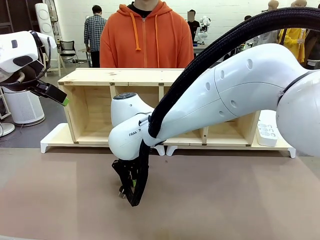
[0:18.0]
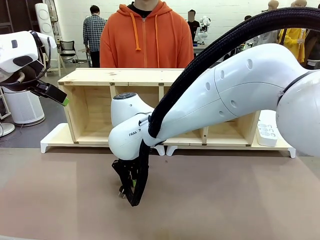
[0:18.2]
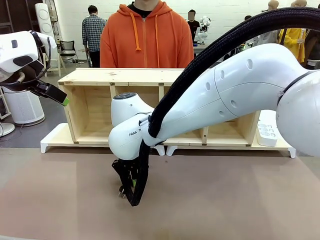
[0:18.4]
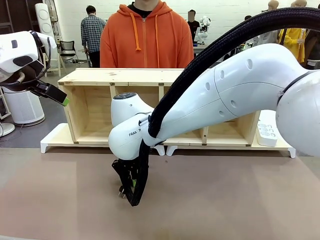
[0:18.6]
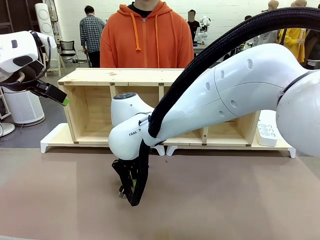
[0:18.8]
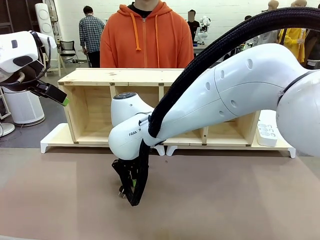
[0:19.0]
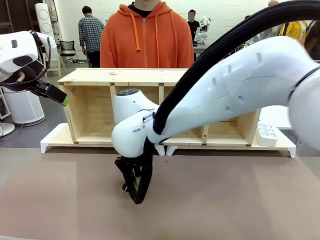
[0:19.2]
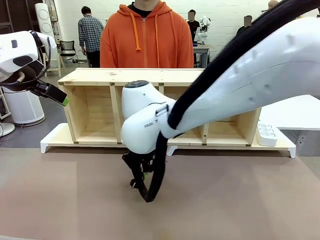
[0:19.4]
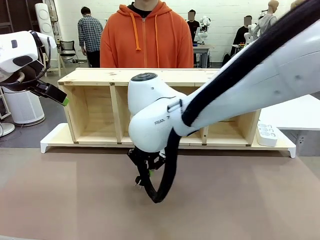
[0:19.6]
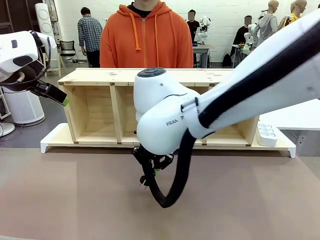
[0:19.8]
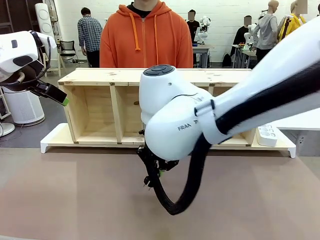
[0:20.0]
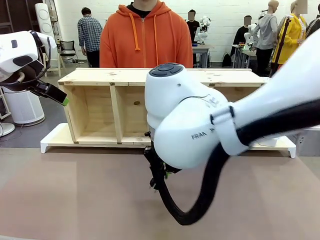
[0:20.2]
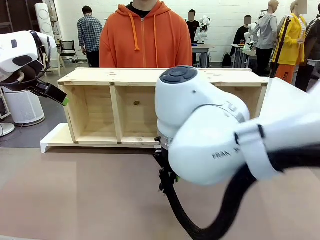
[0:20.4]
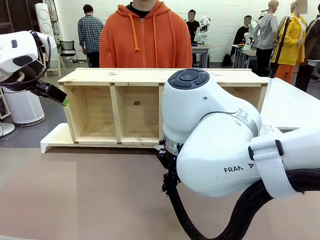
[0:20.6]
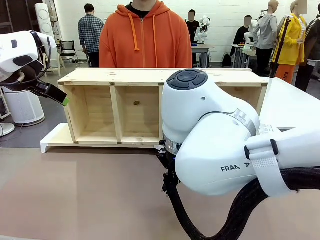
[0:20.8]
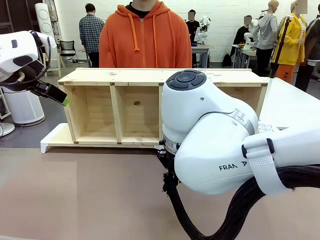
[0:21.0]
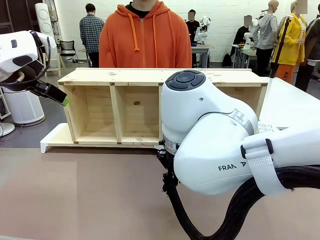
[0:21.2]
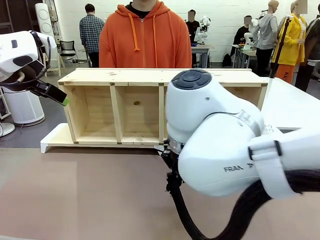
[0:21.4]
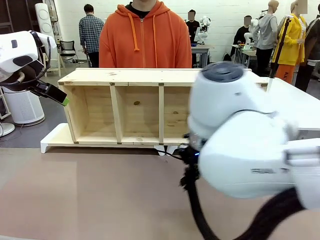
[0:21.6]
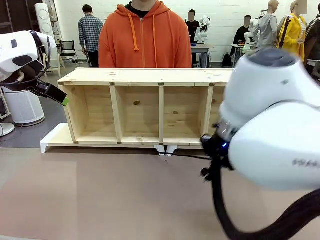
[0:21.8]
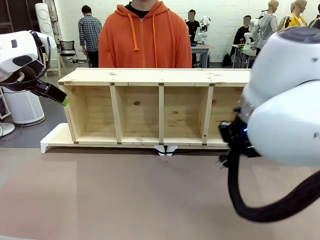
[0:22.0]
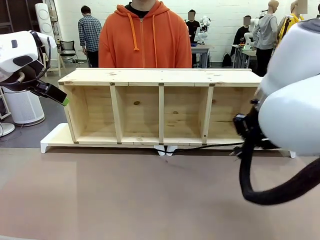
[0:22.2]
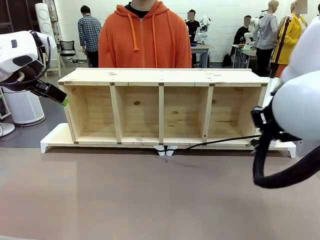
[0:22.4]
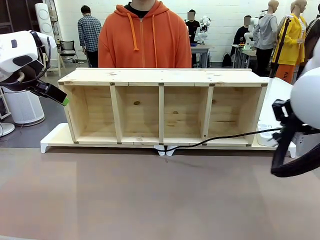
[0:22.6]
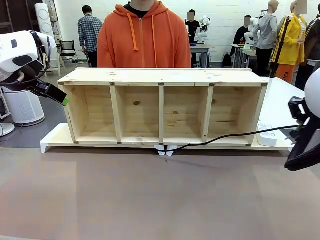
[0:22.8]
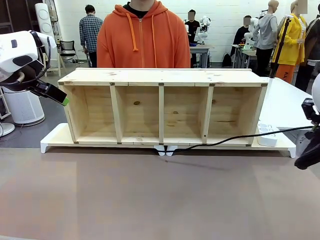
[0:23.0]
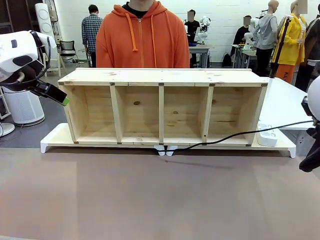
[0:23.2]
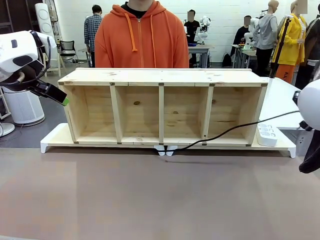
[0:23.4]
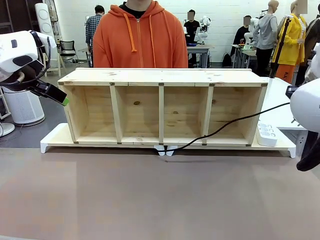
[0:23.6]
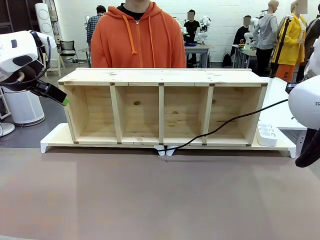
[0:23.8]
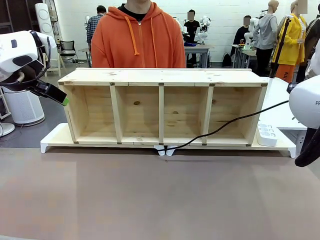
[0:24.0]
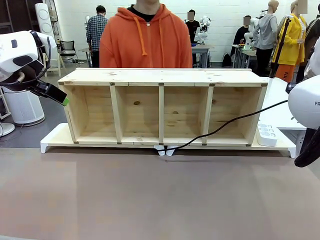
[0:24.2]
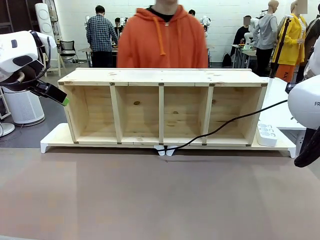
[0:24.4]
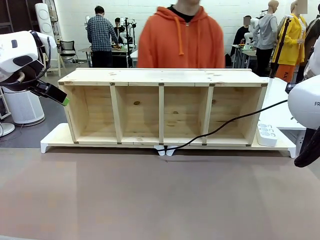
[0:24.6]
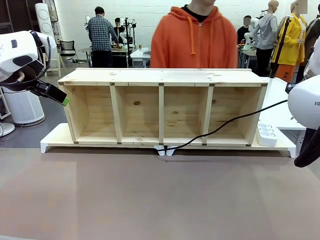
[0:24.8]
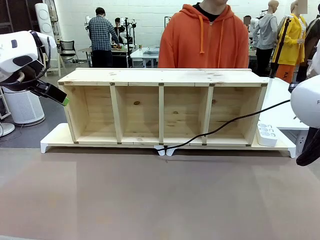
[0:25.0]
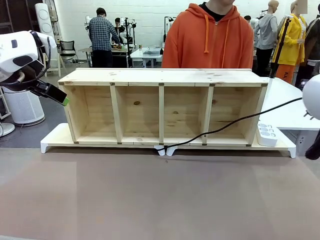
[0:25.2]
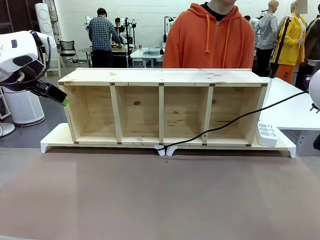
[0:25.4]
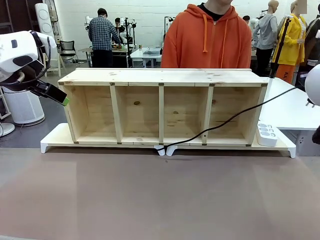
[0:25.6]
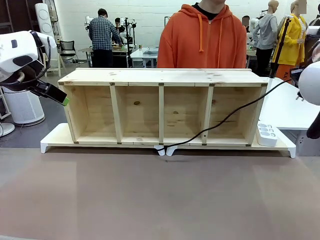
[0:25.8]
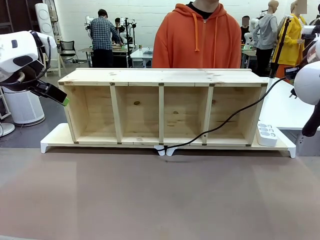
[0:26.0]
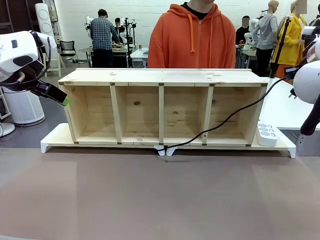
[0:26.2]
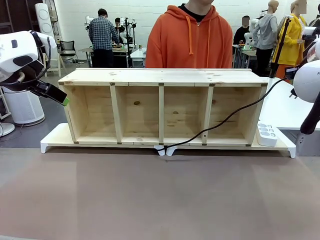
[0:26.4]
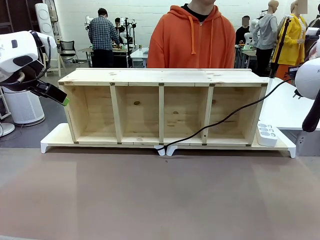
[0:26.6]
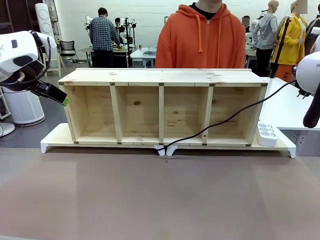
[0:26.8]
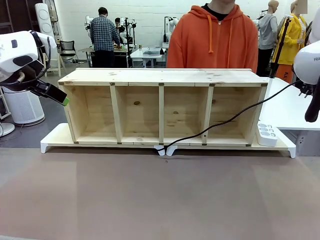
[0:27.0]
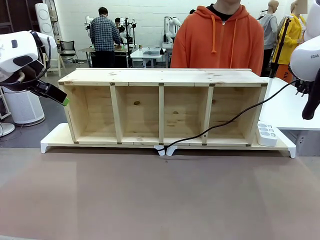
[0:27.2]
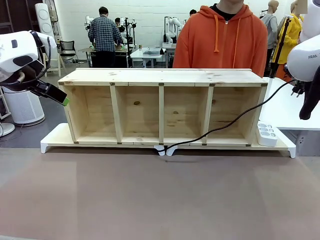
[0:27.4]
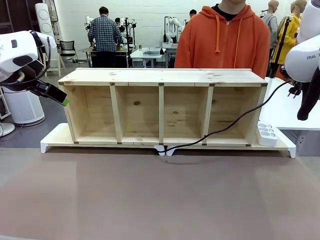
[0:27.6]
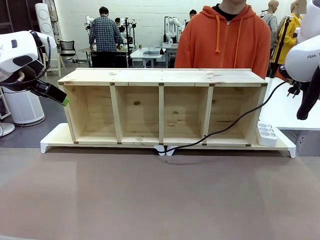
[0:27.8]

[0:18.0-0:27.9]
Task: Perform cable management.
Robot: Pull the grasped Power Cable to the location of the Power Strip.

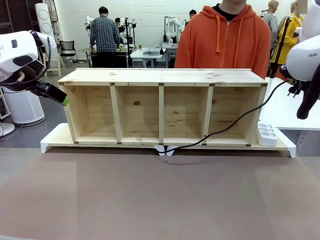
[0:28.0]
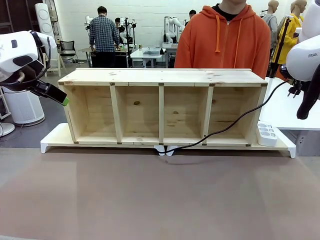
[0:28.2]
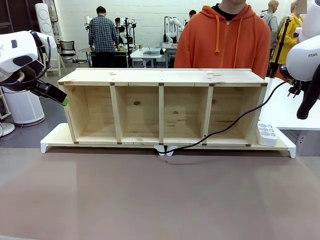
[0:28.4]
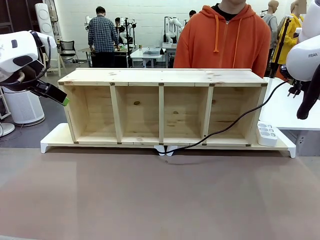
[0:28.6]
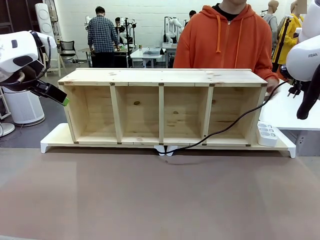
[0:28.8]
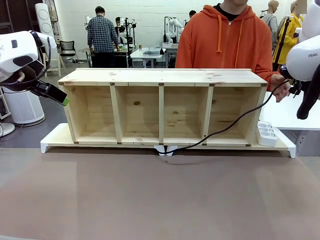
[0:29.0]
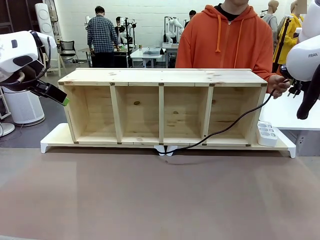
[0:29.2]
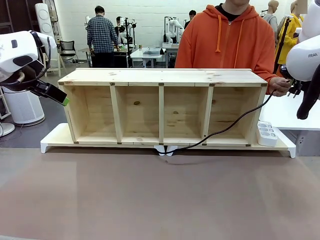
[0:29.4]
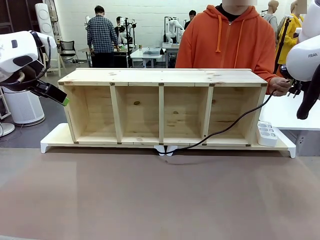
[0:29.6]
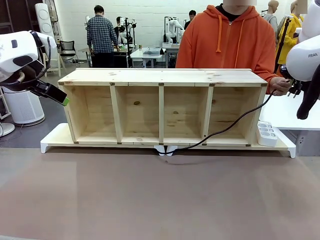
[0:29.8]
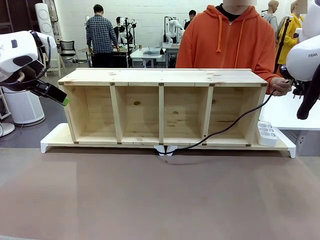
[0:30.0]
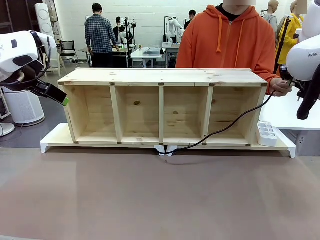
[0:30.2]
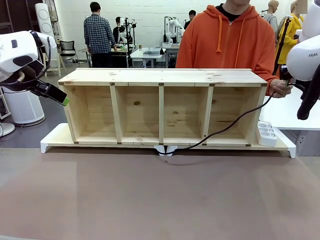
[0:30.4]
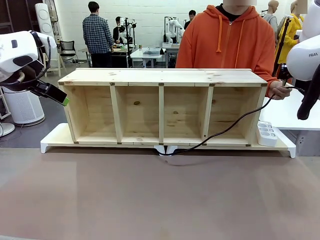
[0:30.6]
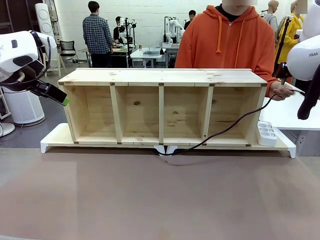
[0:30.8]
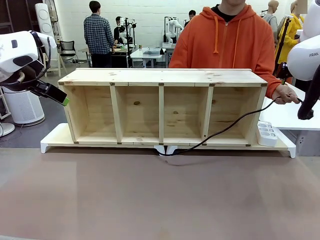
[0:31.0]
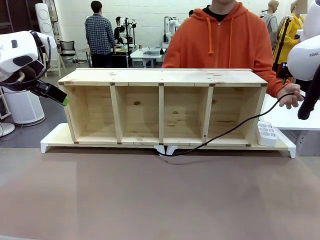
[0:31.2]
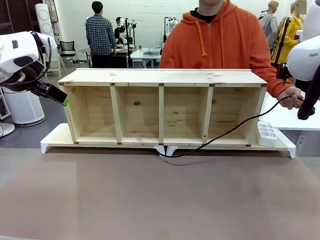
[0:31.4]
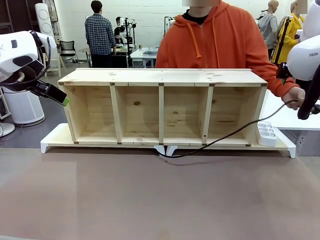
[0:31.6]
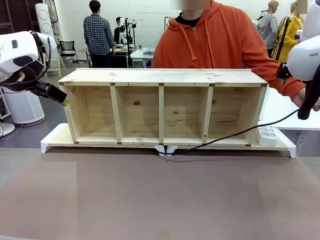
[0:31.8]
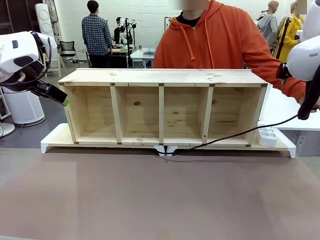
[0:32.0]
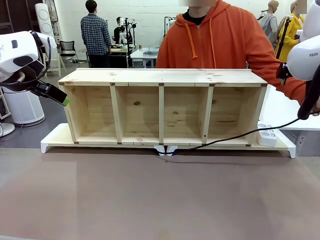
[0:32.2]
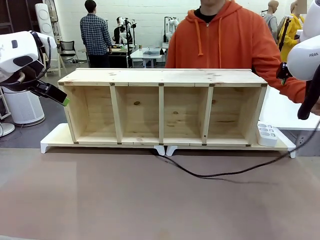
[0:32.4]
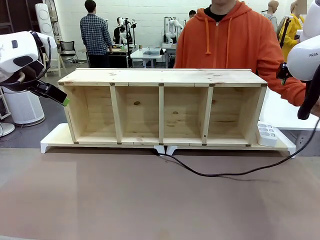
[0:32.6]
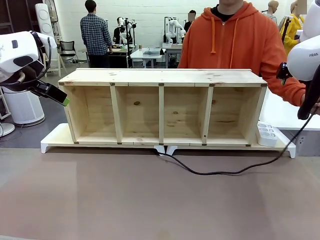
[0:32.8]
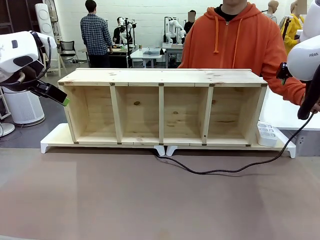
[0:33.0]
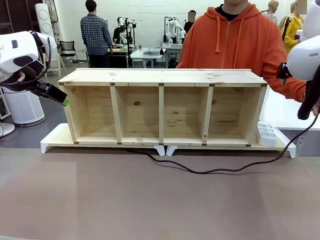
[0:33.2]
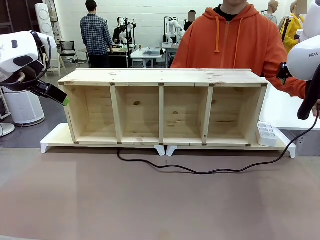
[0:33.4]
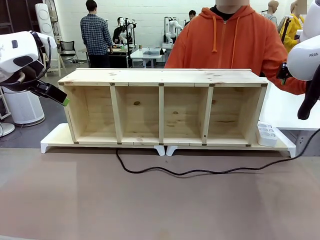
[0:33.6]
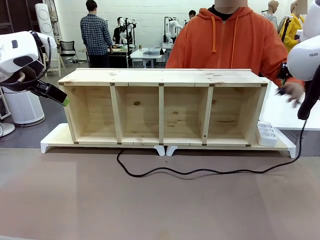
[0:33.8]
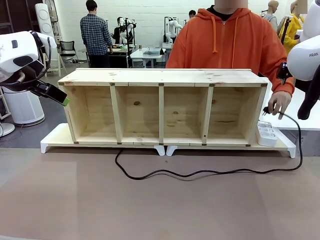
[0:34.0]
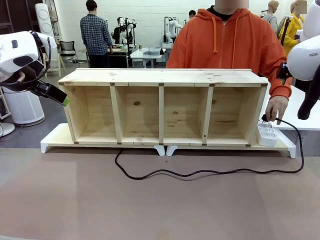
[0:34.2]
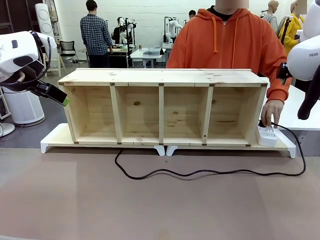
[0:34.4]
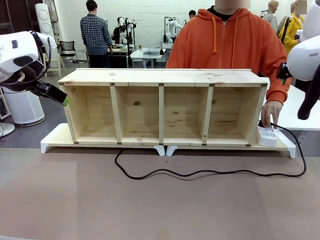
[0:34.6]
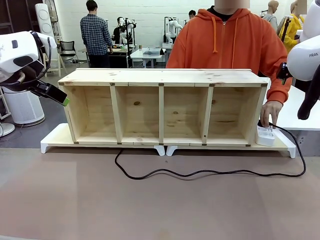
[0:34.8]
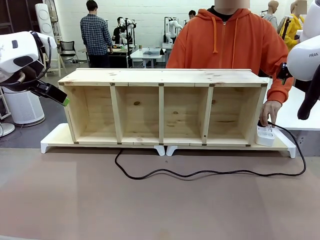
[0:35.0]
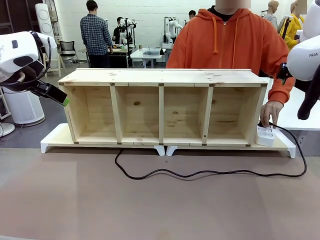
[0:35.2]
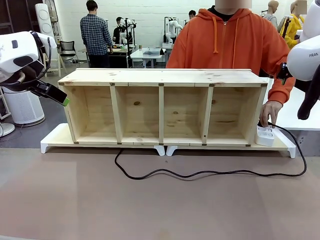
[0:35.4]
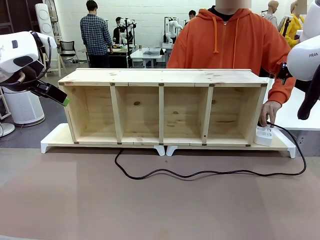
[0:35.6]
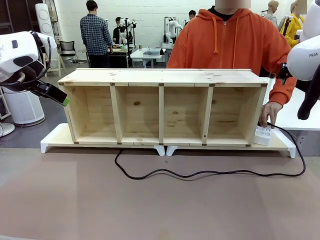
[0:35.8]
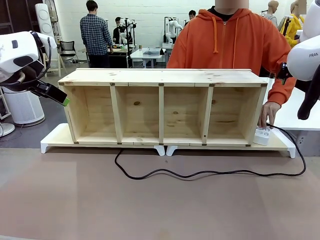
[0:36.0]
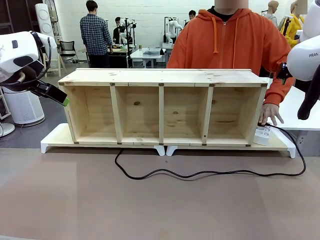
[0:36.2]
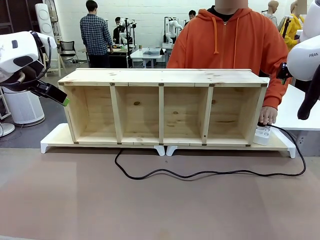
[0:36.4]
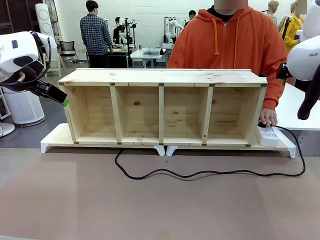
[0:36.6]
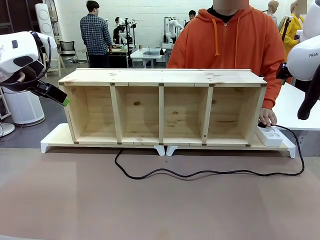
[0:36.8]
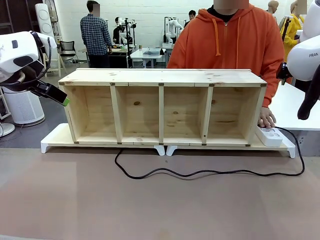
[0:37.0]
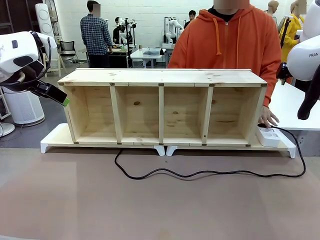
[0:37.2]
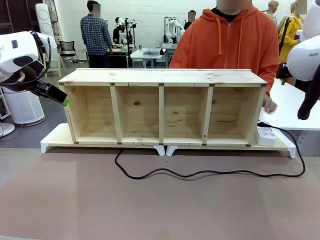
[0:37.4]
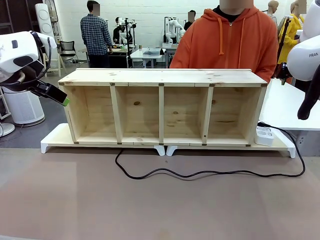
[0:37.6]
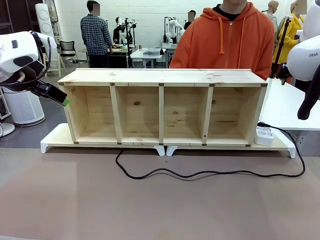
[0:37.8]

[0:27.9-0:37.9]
Robot: Release the Power Cable when the human grasps it.
Person: Plug the Power Cable into the Power Strip.
